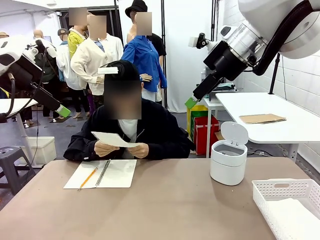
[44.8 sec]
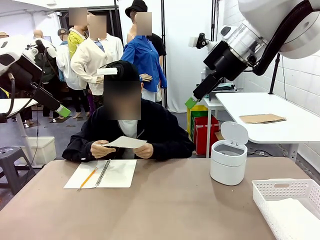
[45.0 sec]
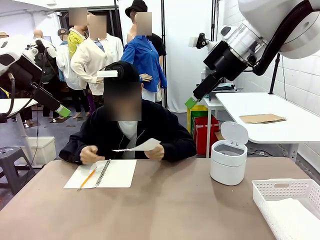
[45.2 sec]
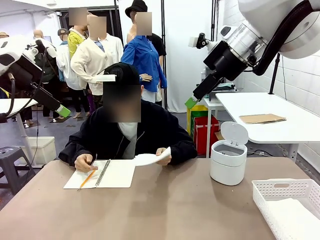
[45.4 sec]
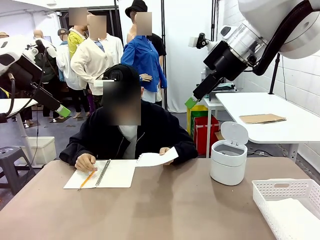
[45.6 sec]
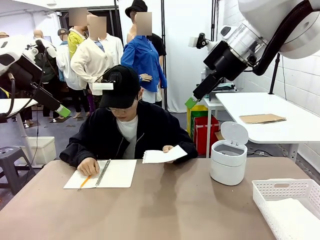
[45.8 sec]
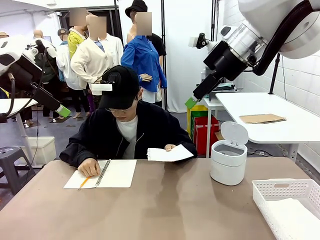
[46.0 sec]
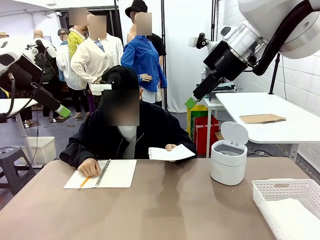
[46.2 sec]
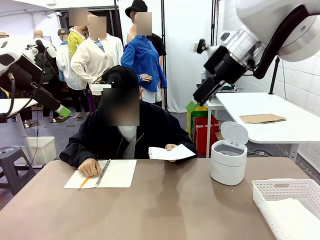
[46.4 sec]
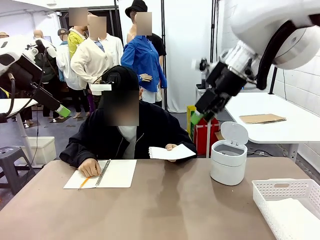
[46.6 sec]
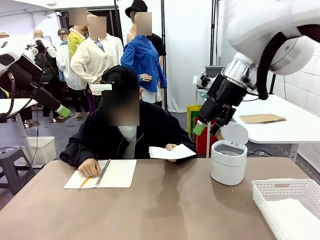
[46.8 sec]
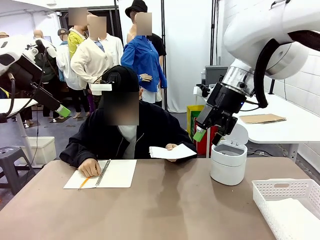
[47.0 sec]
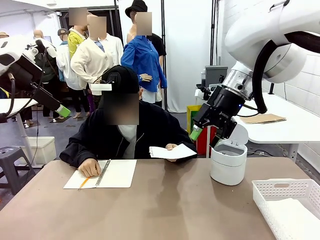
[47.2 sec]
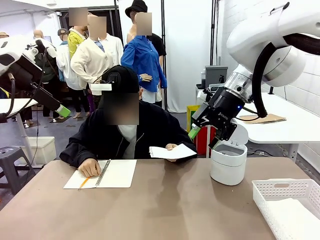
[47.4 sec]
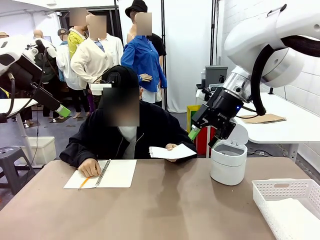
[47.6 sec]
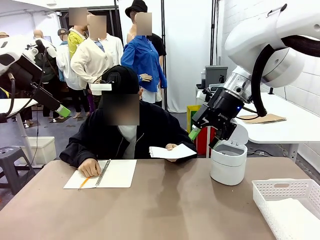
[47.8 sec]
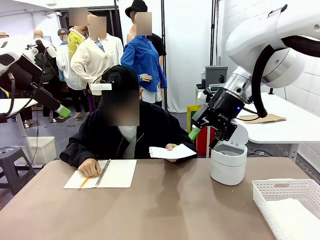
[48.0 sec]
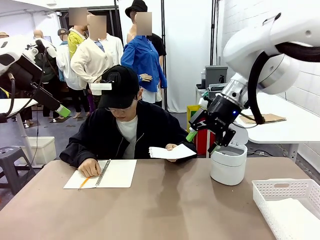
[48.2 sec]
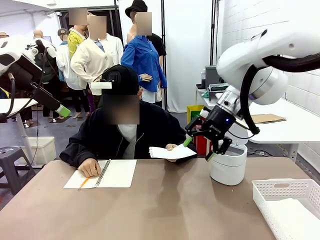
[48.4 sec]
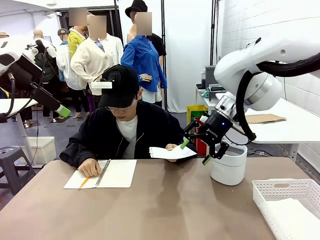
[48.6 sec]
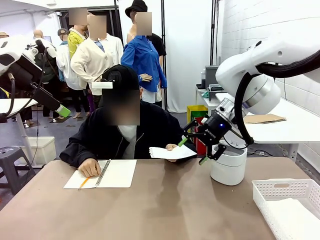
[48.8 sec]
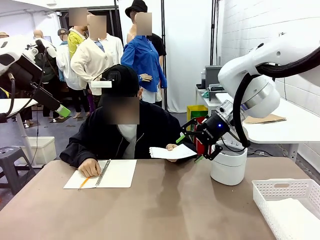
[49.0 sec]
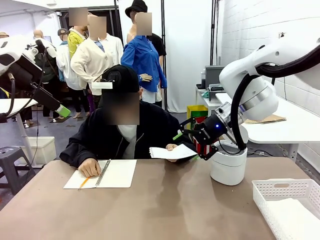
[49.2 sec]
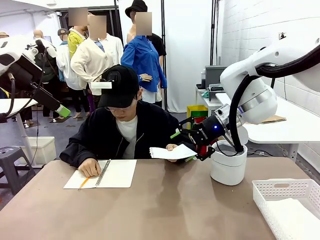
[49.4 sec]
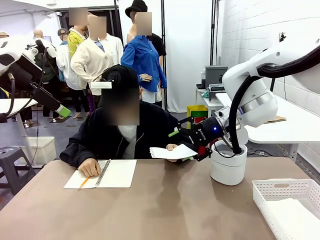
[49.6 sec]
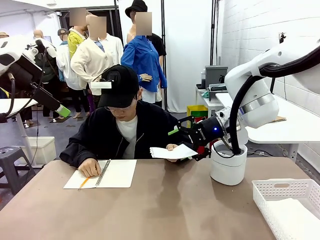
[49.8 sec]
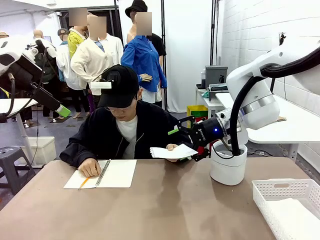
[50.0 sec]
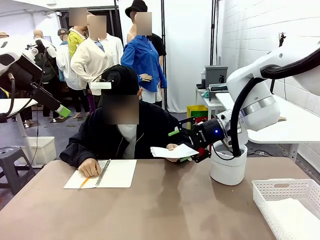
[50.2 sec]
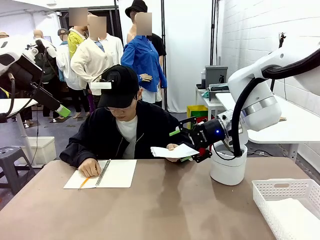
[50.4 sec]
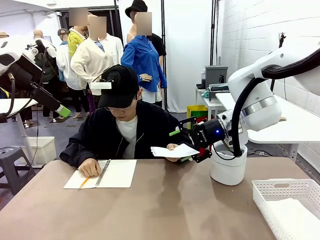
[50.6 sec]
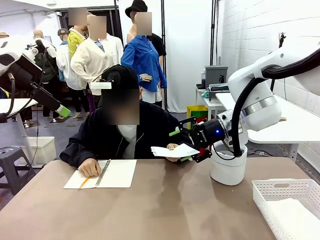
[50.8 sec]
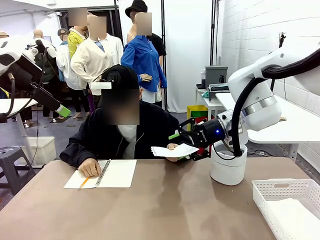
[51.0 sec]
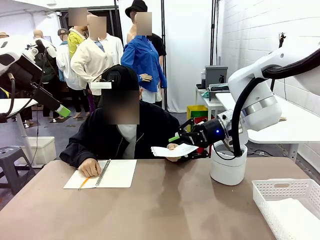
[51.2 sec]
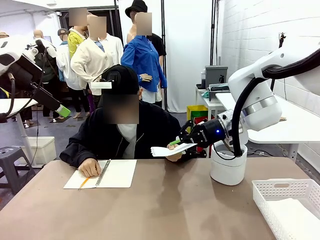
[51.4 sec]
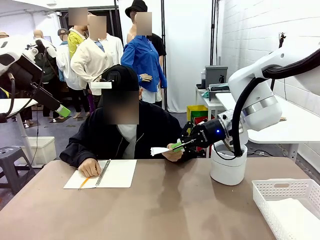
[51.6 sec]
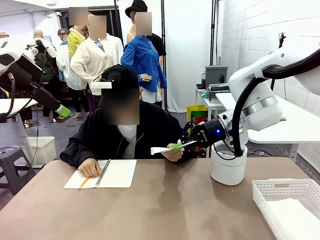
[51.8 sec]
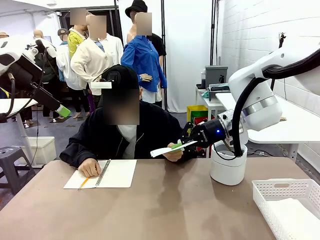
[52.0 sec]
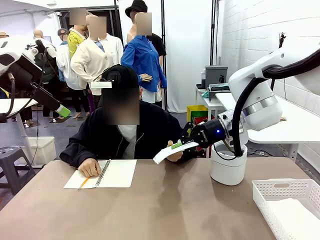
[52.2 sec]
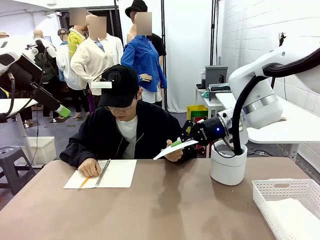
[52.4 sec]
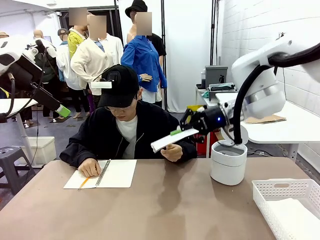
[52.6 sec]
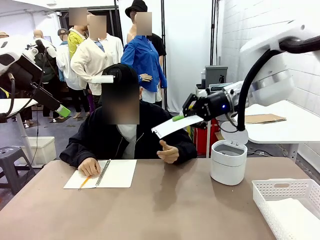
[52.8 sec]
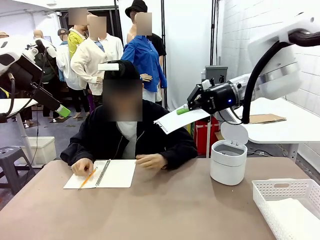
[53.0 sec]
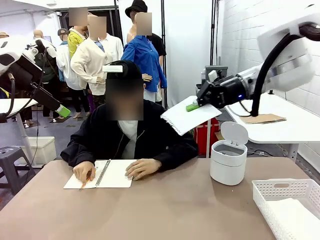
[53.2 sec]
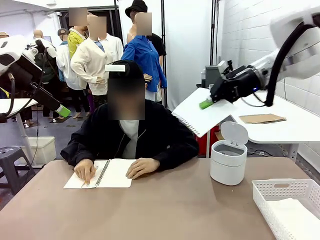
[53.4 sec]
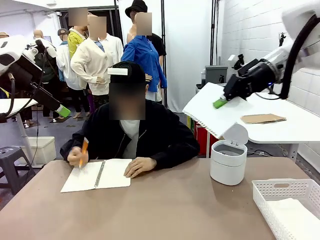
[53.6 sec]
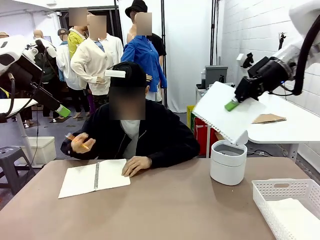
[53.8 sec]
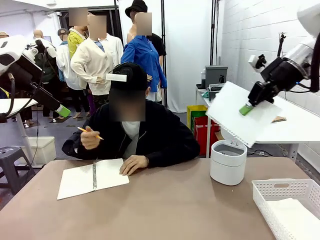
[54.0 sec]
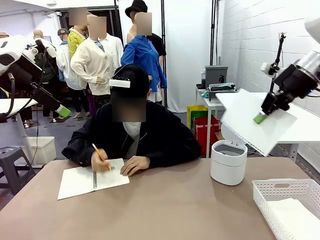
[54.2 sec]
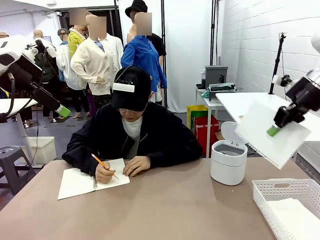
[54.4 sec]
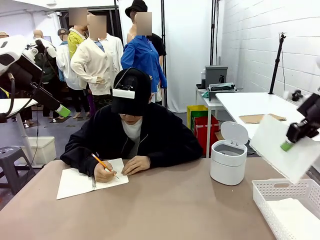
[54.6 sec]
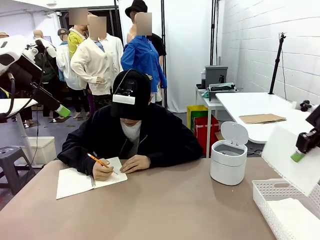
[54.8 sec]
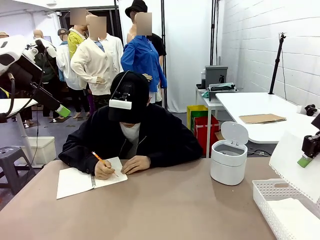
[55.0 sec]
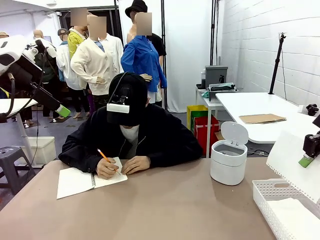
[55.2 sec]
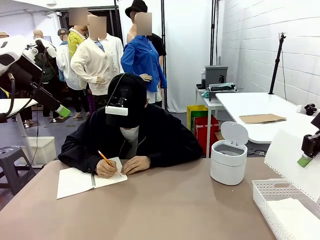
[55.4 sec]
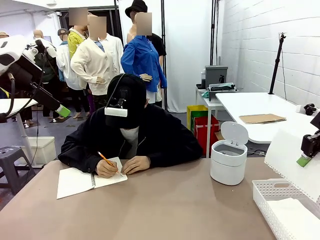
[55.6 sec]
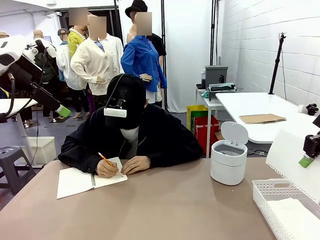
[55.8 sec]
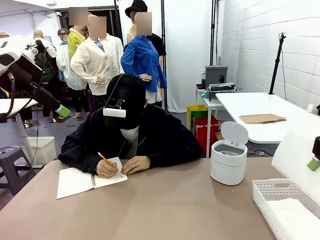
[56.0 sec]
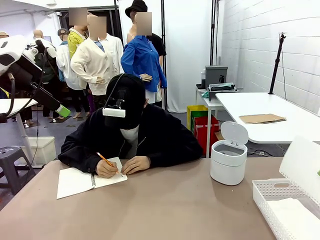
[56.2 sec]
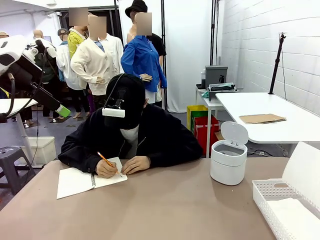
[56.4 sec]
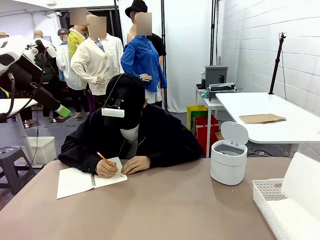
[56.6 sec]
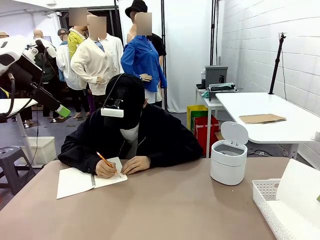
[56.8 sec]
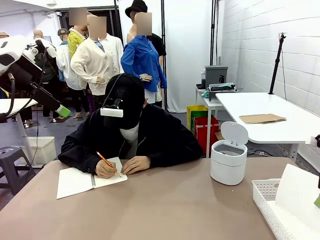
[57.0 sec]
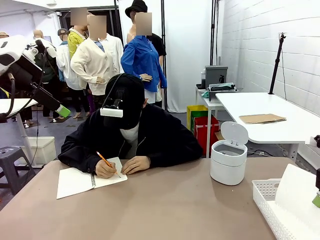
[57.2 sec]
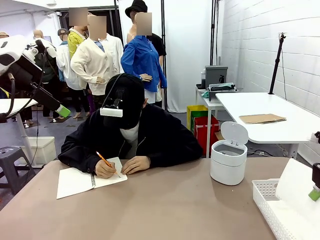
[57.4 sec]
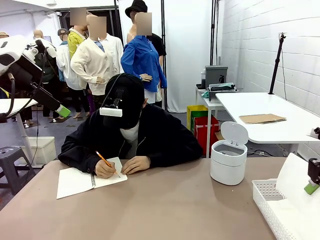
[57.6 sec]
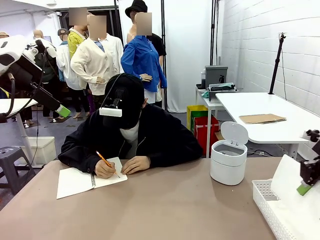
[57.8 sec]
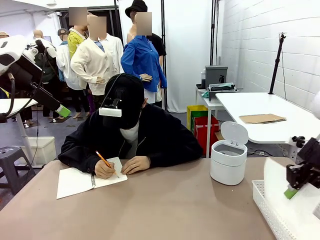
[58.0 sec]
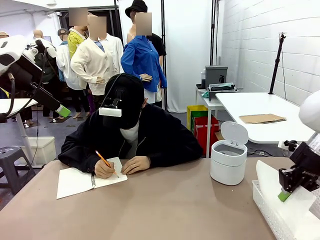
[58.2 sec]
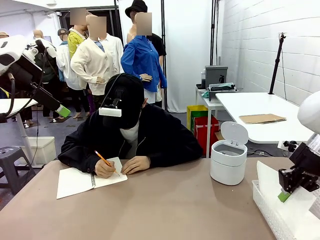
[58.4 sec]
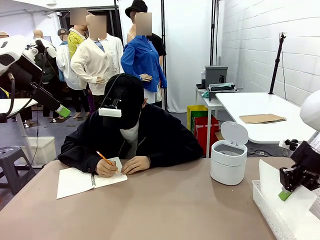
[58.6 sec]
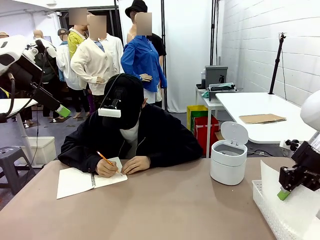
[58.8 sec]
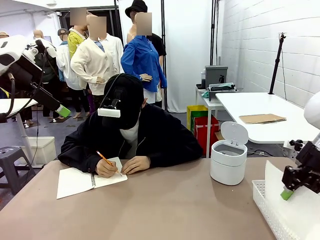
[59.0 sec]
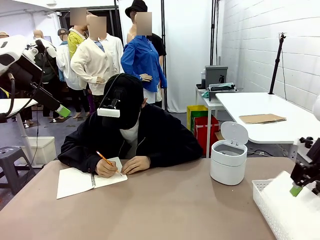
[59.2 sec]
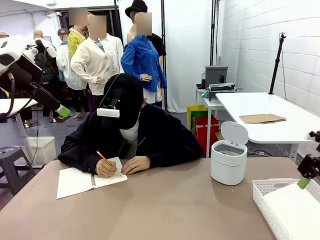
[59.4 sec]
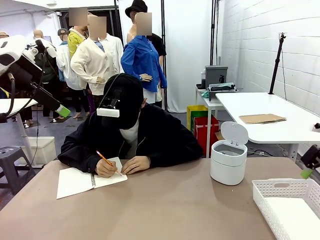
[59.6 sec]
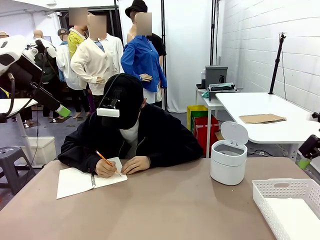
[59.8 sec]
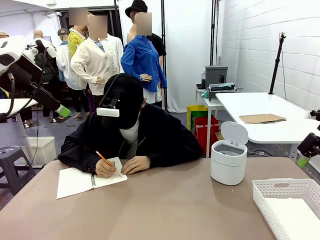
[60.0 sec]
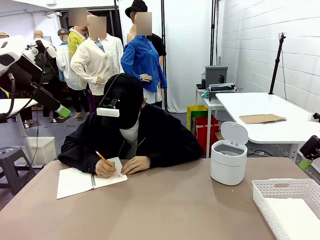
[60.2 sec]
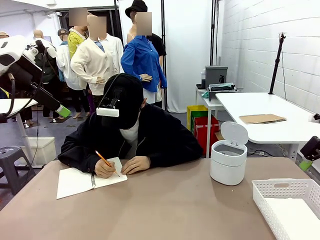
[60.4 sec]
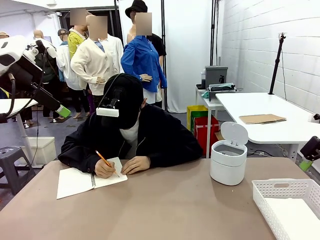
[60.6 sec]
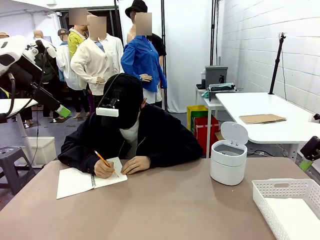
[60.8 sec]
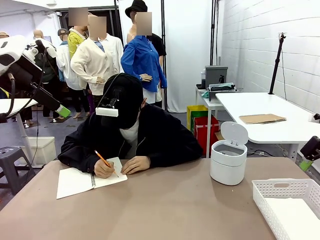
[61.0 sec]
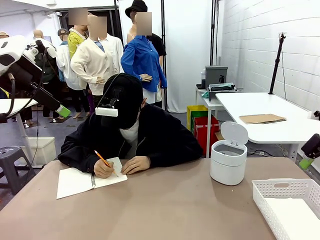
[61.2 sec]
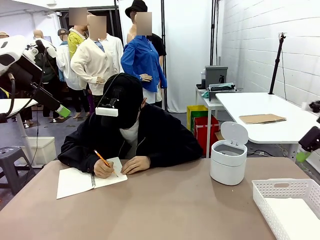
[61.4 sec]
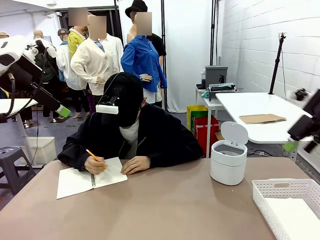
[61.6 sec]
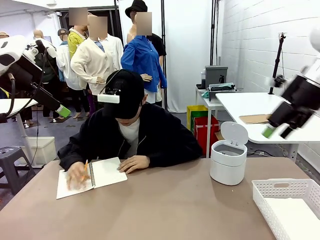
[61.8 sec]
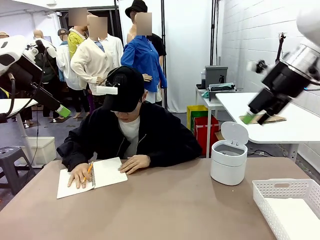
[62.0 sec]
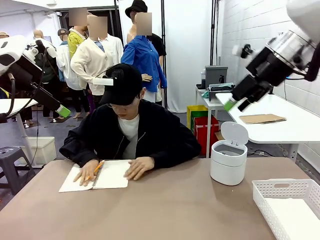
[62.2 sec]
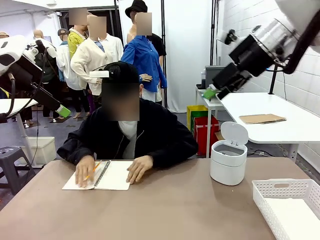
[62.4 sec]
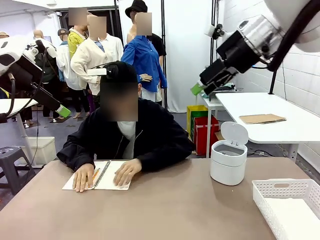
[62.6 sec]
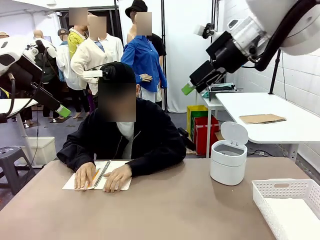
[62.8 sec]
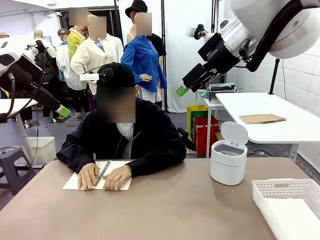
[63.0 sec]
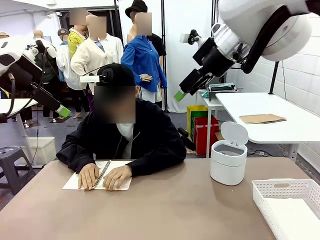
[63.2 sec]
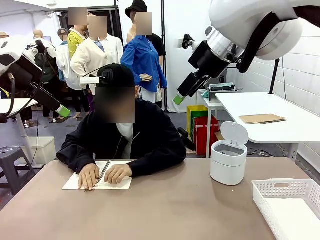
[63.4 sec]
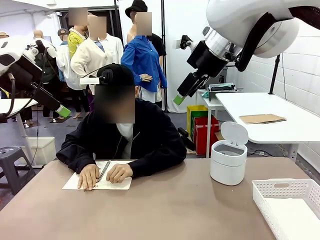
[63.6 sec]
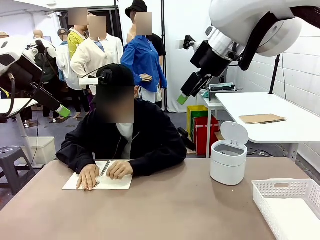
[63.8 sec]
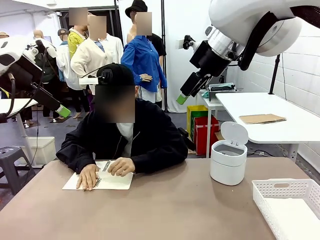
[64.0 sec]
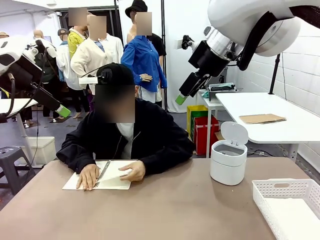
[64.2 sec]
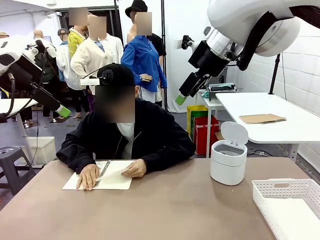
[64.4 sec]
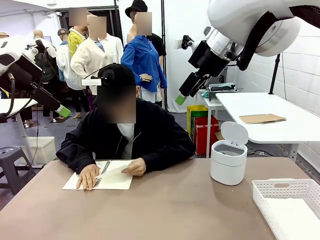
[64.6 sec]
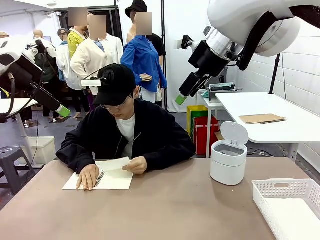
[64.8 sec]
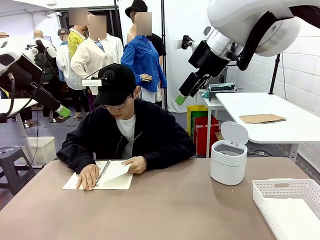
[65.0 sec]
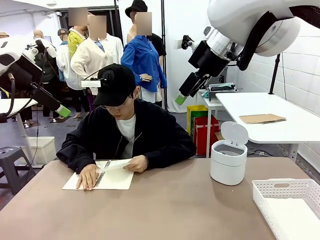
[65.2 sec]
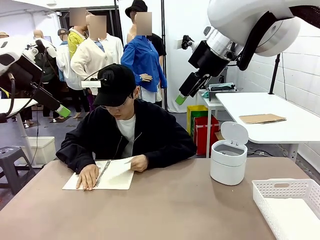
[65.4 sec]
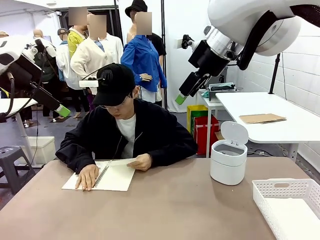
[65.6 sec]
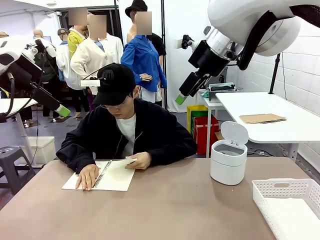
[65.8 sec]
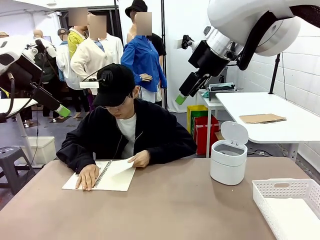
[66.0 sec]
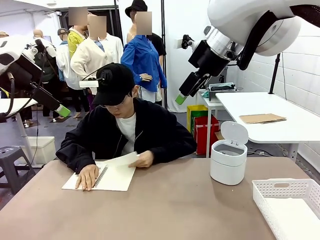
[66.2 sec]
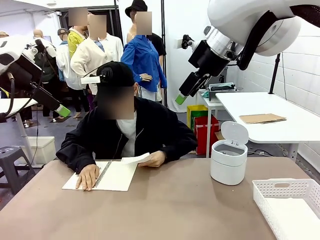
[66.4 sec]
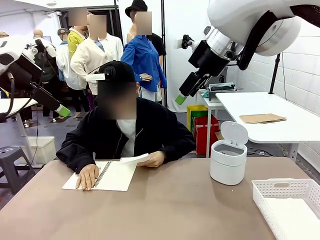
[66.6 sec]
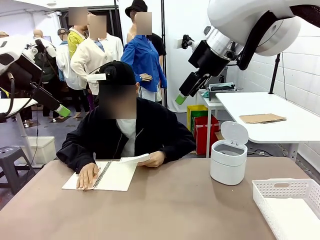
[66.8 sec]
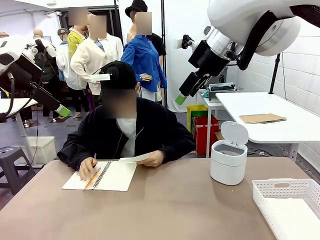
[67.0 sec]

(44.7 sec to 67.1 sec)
Task: Sort the paper based on its condition.
Robot: If a person hands you a paper, place it in the Organizing basket , and if it's crumpled, put it in the Trash can.
Person: Hand the torn page to the robot or crumple it and throw it to the center of the table. Tear out a page from the spiral notebook.
